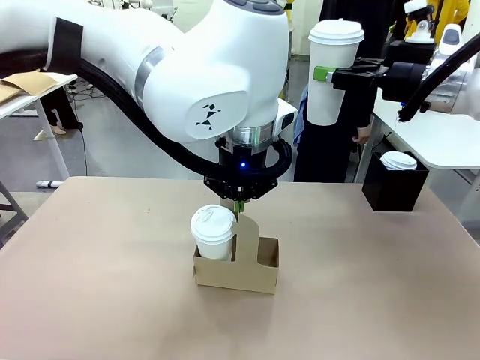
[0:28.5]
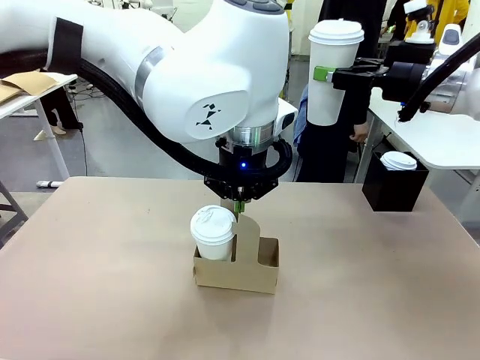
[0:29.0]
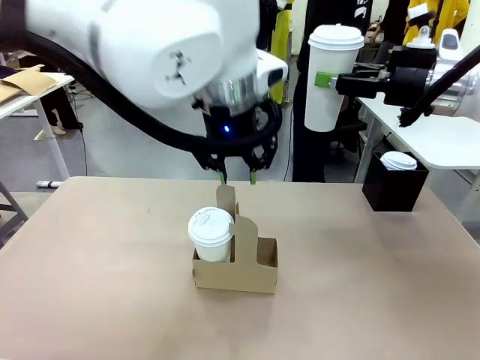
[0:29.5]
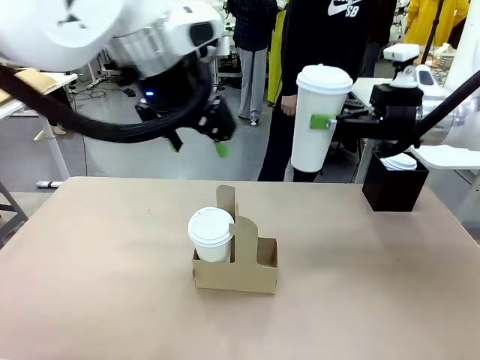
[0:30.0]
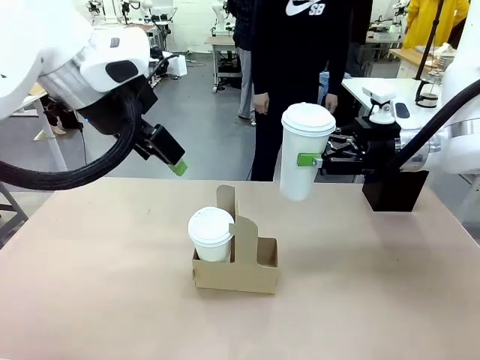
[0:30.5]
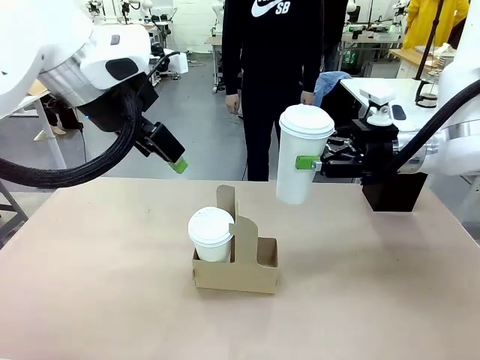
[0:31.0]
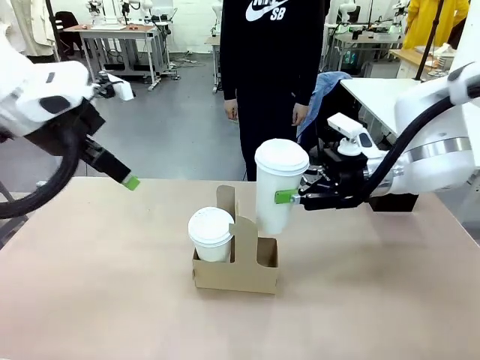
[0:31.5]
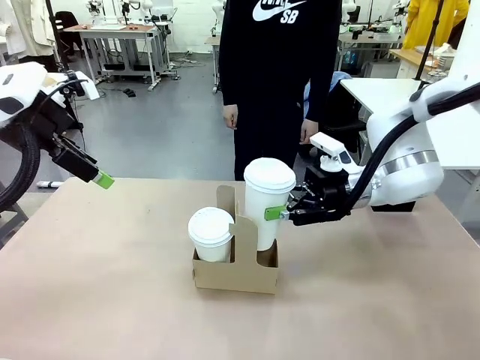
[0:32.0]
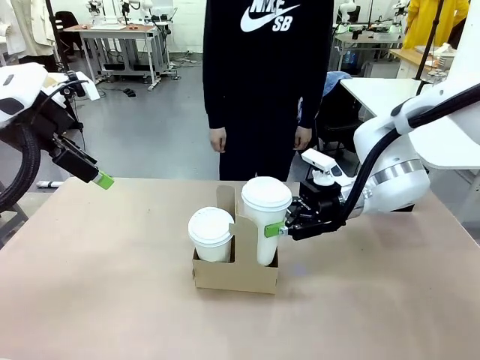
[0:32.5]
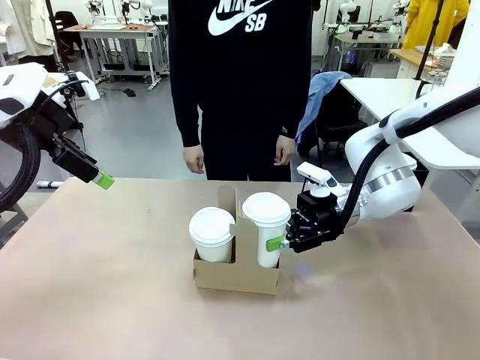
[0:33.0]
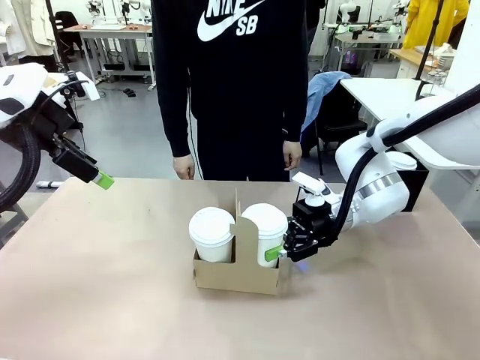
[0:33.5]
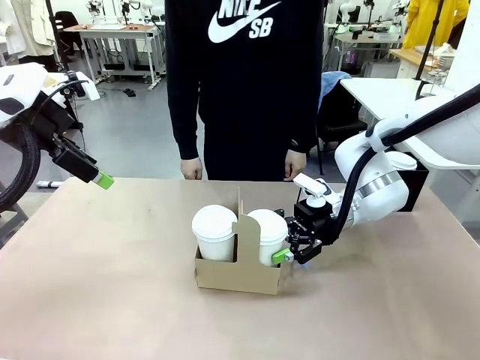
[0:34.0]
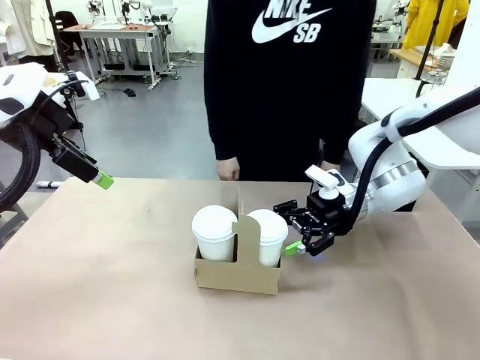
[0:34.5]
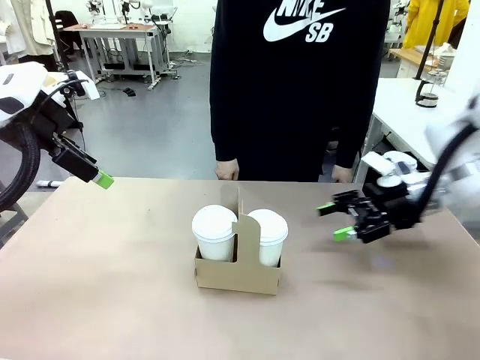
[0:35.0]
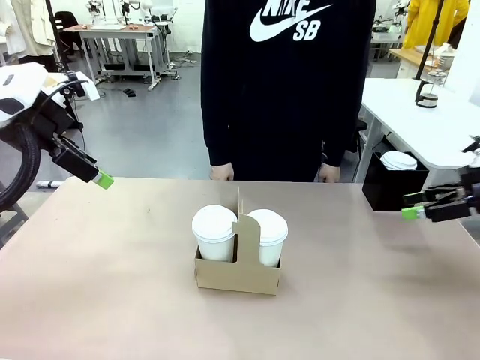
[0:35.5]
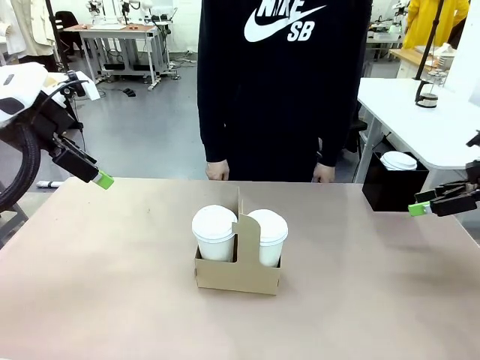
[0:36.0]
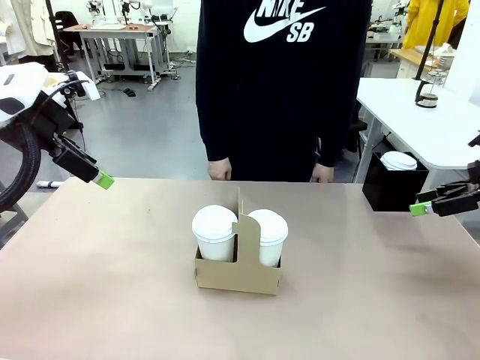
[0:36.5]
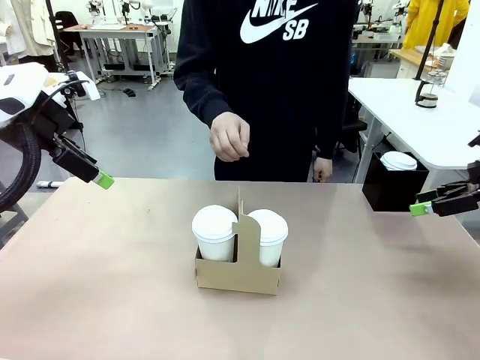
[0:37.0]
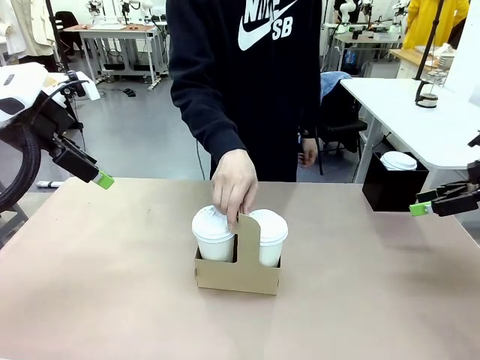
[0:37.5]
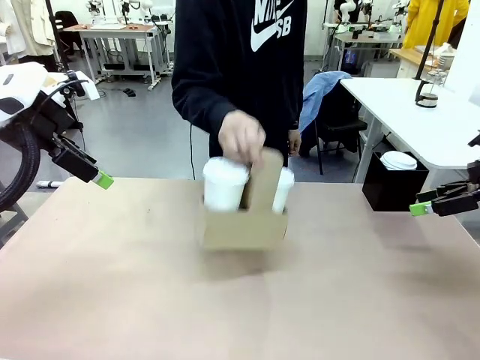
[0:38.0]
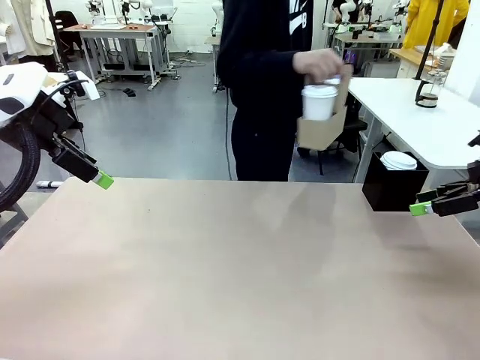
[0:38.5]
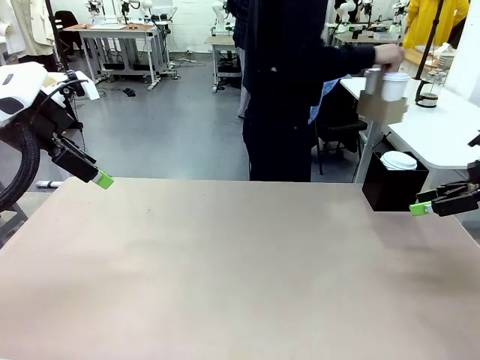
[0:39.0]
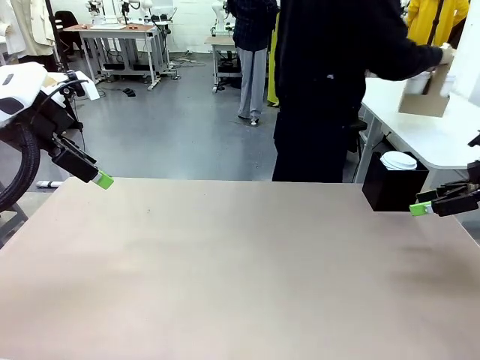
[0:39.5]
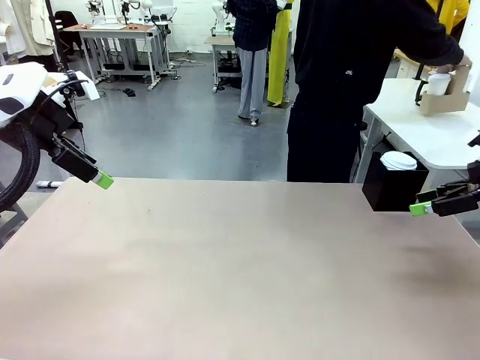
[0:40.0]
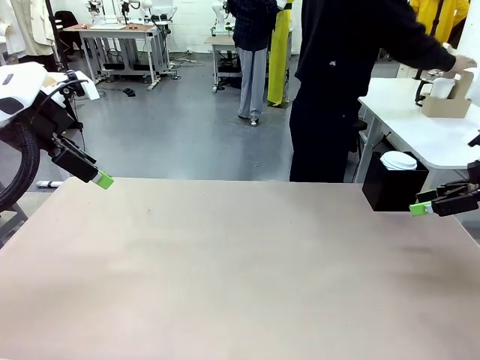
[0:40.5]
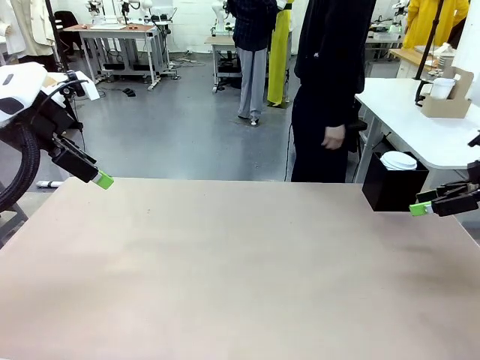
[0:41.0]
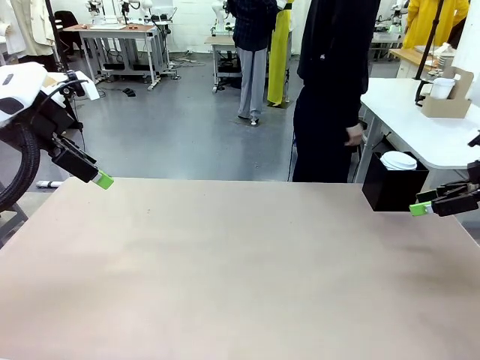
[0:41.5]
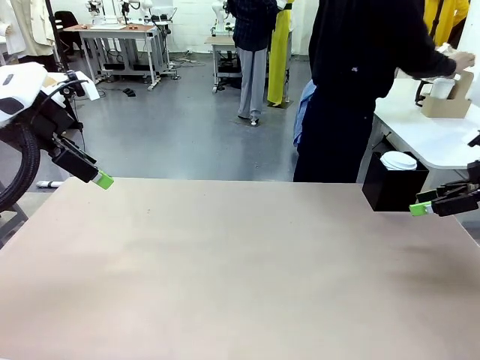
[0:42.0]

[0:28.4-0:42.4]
Task: Pour a drink into a cup and package it in a carrier.
Robot: Insert the held 600 ml Paper Cup into the Cup Carrier.
Person: Place the Cup Carrier to the middle of Human table.

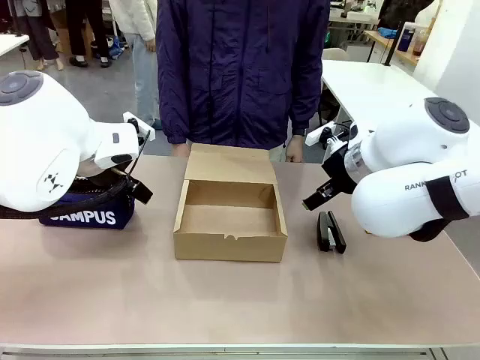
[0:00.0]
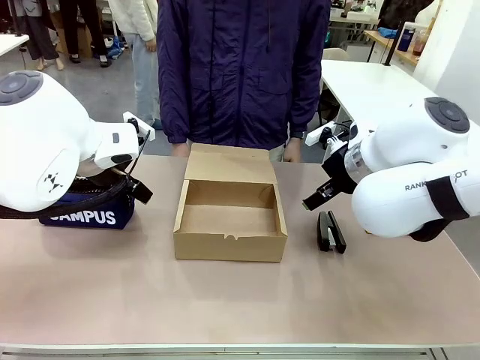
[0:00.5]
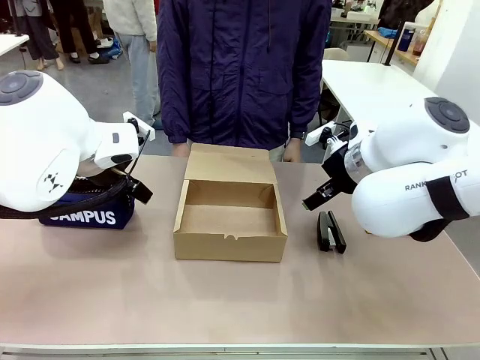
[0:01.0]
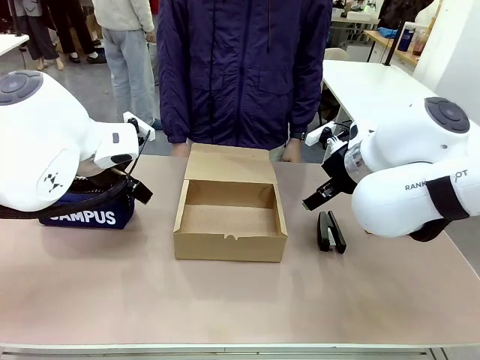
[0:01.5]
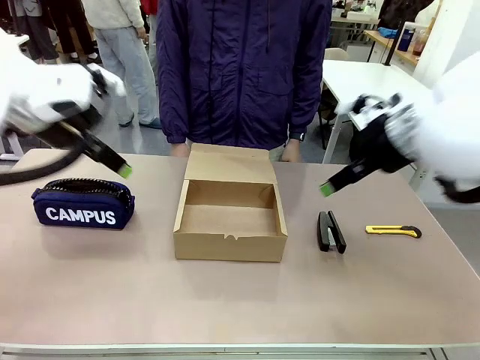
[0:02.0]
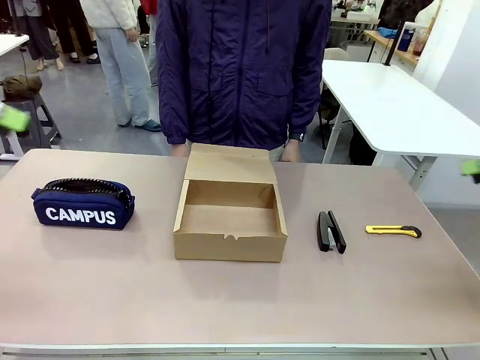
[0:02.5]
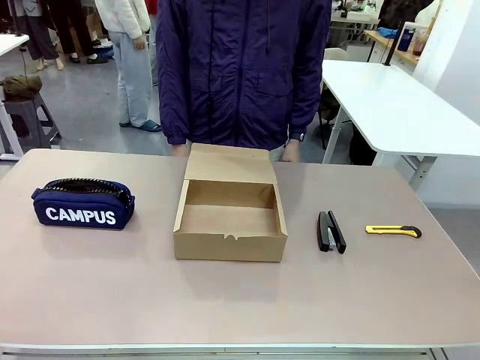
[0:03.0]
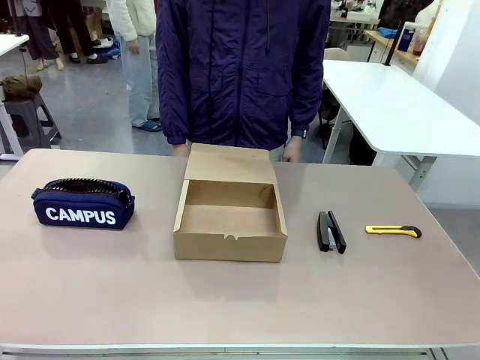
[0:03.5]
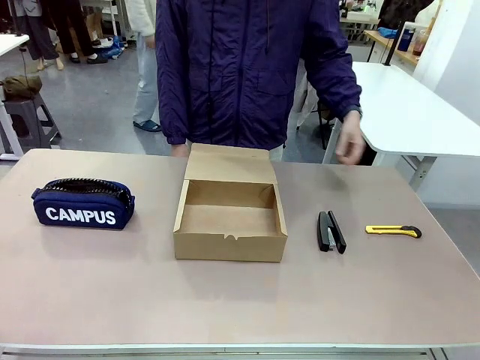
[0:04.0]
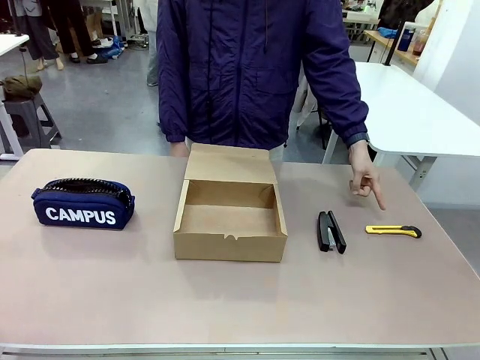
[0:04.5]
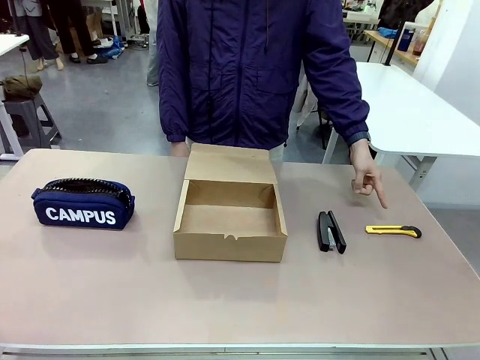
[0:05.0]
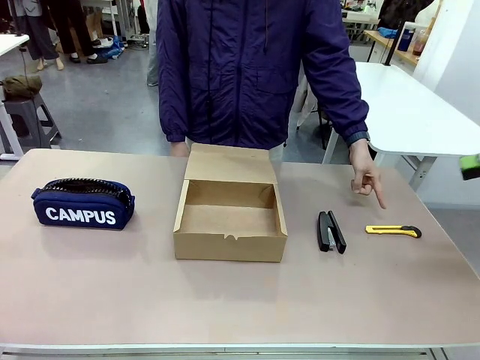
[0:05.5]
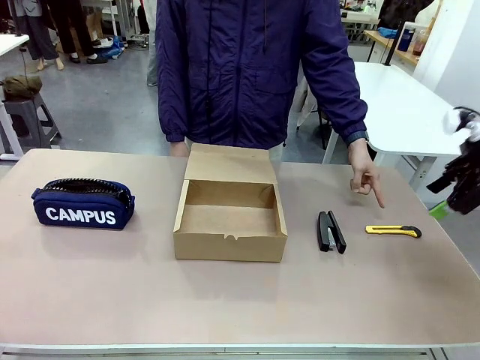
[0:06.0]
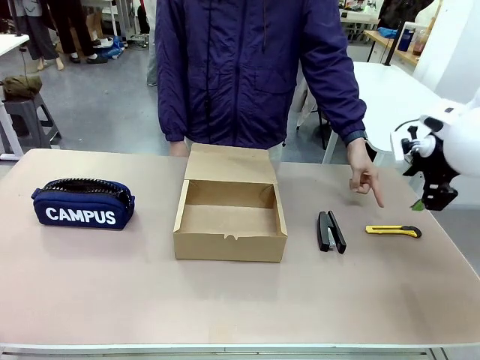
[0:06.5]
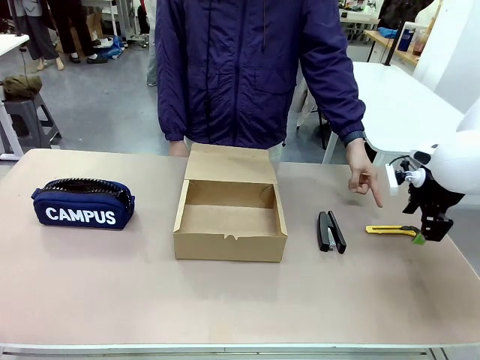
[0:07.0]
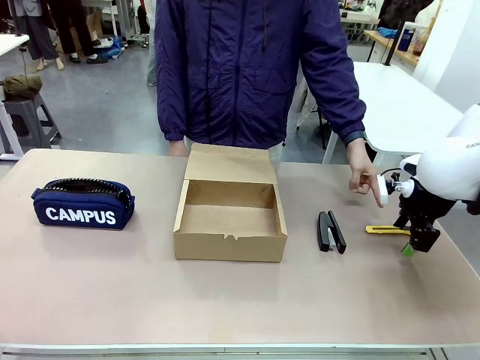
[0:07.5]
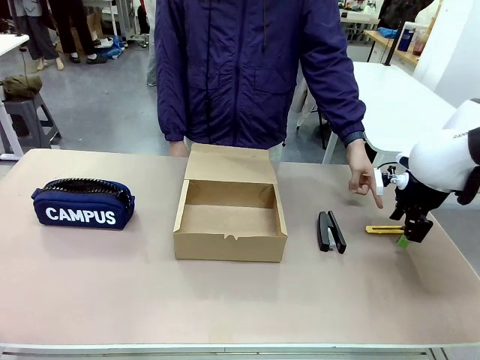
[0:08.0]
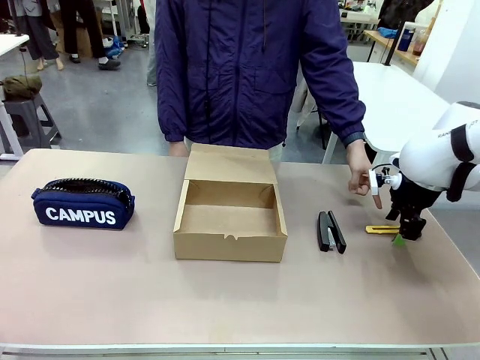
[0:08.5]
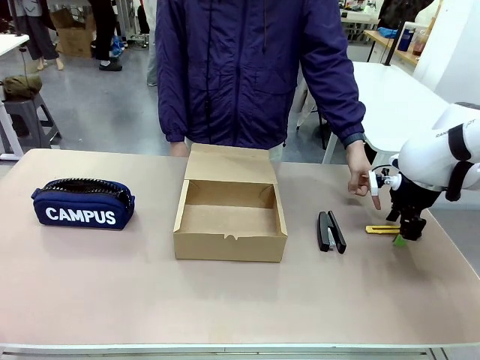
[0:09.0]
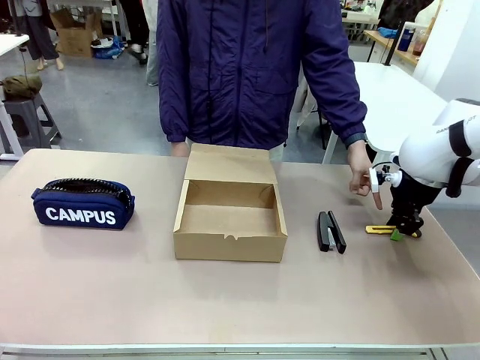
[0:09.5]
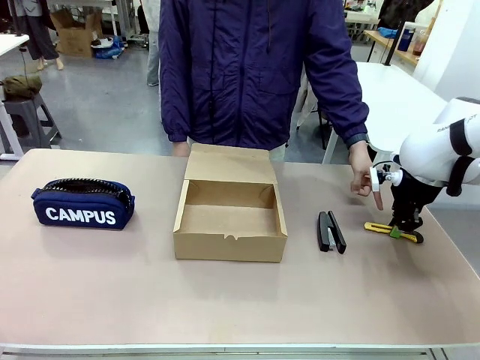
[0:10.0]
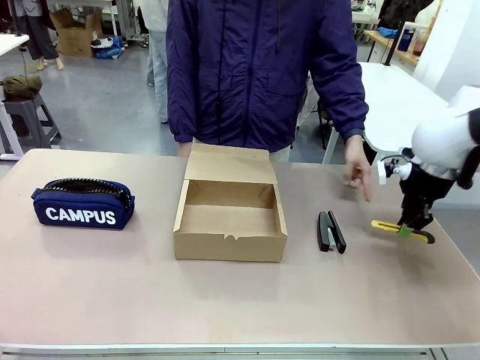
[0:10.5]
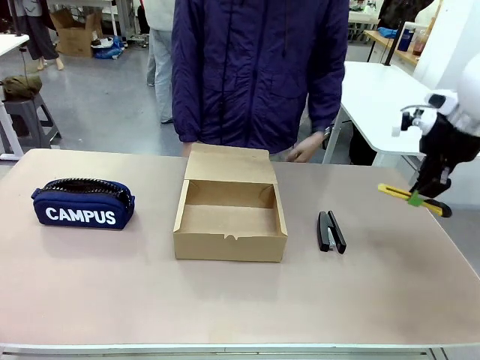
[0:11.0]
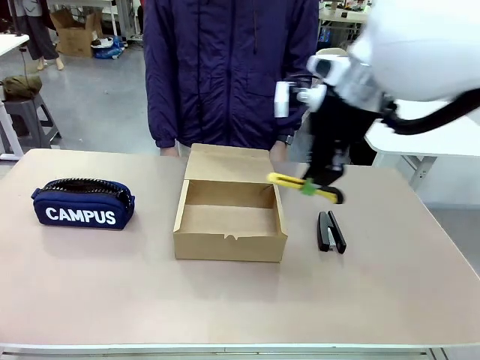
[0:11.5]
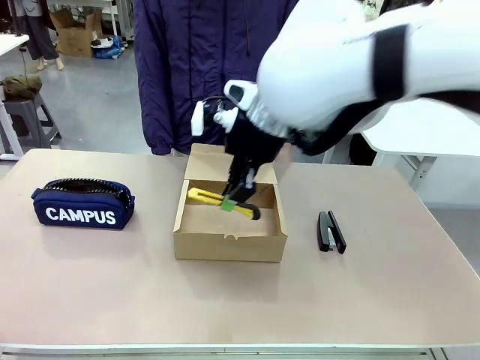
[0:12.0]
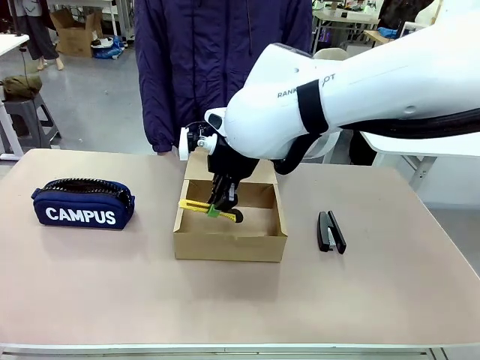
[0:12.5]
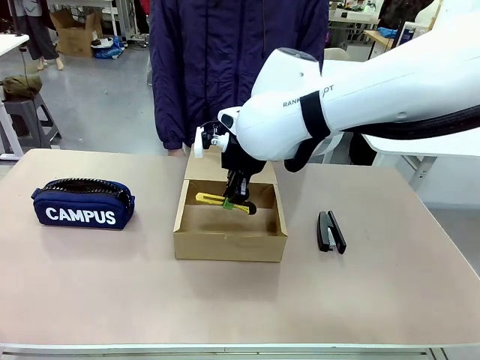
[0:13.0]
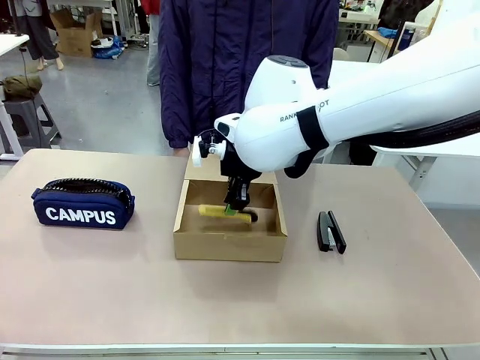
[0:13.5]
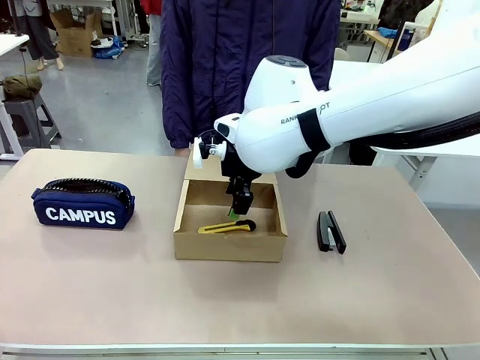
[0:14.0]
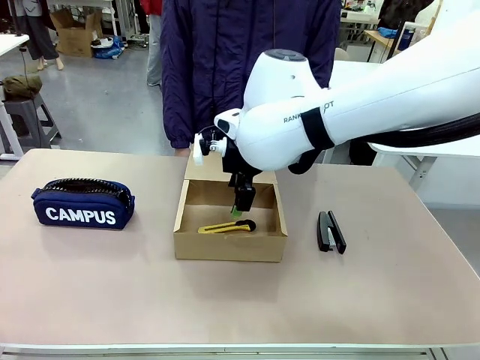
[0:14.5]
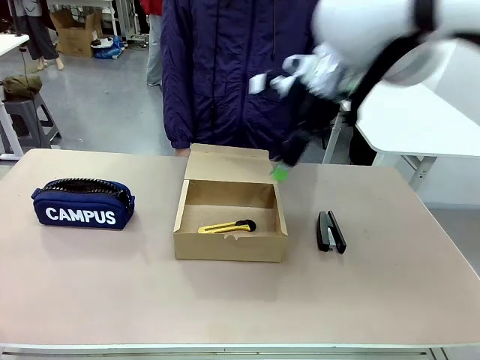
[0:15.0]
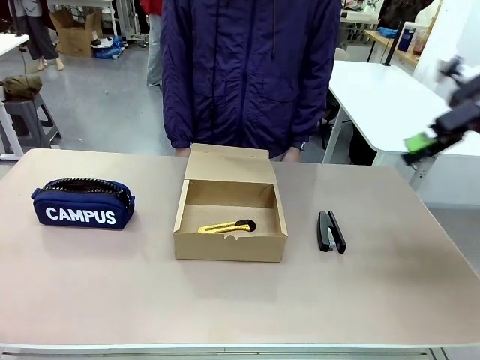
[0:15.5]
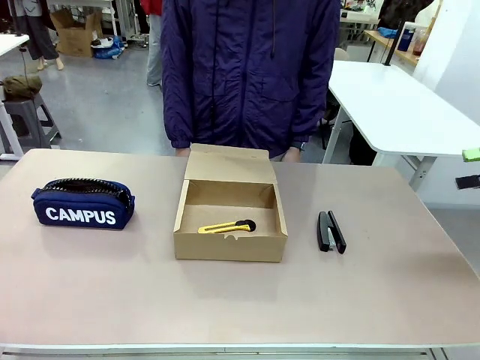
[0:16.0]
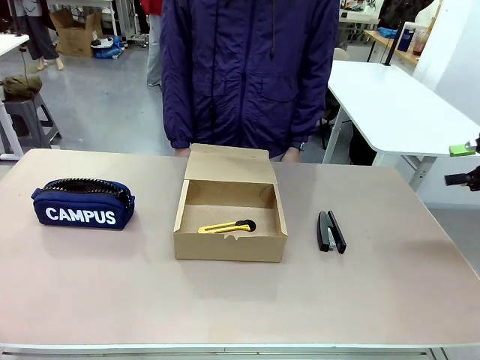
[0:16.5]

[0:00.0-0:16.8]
Task: Pack the item into the box.
Robot: Pick up the item indicated by the person and place it inside the Mailer Box.
Person: Point at one item on the table (excluding the box).
